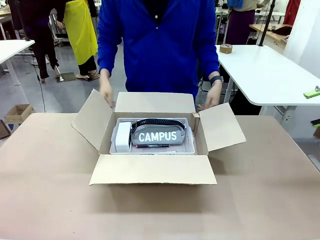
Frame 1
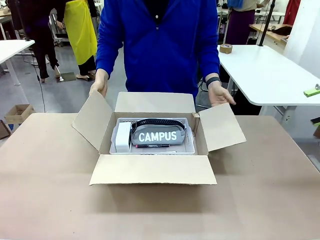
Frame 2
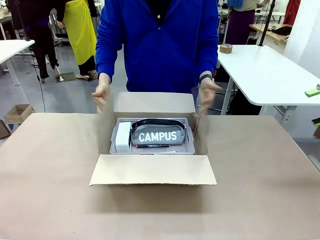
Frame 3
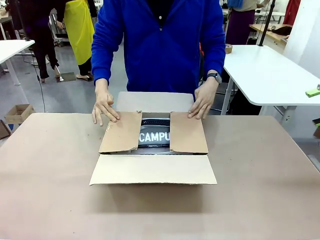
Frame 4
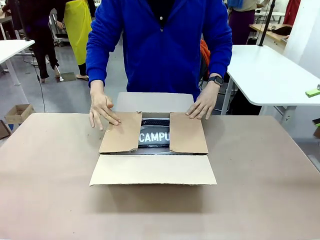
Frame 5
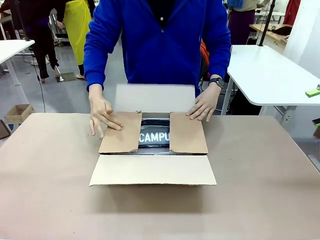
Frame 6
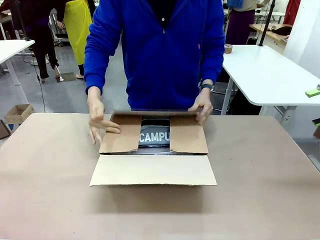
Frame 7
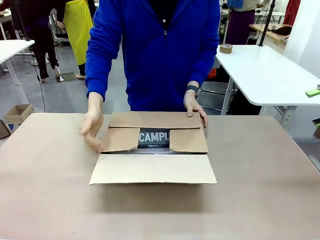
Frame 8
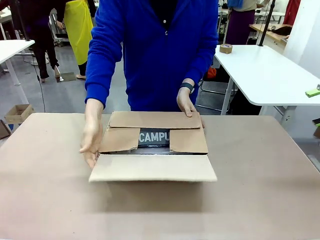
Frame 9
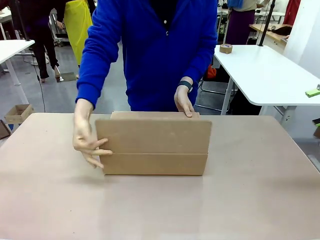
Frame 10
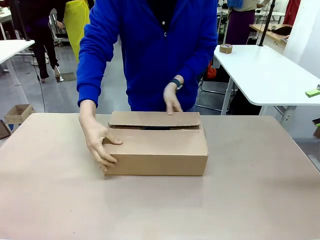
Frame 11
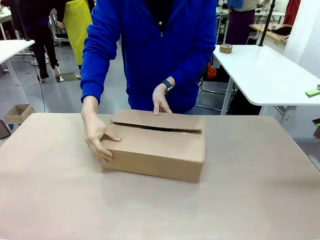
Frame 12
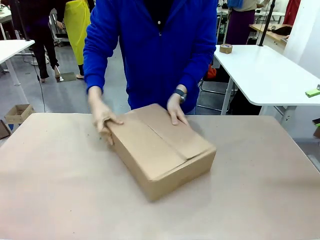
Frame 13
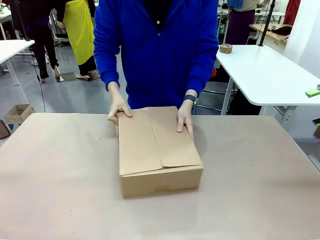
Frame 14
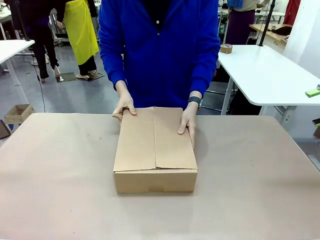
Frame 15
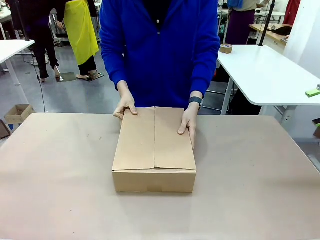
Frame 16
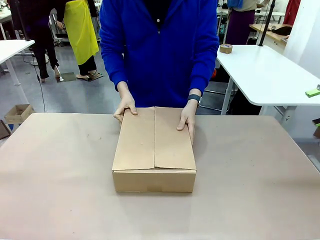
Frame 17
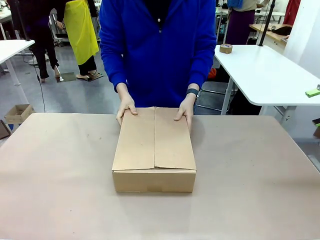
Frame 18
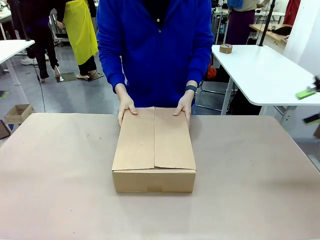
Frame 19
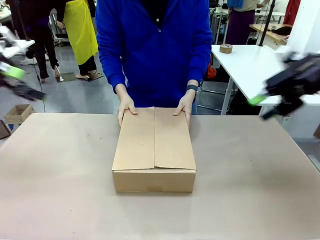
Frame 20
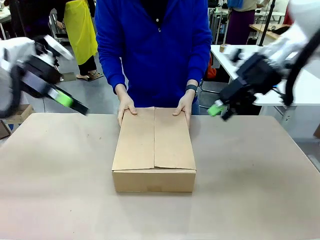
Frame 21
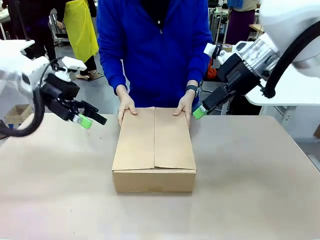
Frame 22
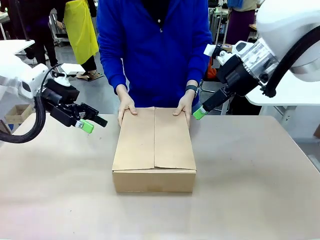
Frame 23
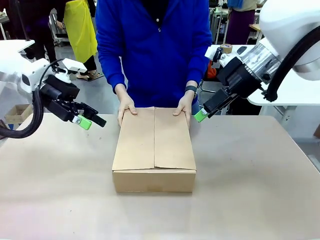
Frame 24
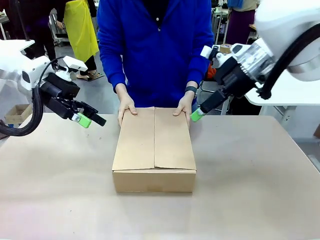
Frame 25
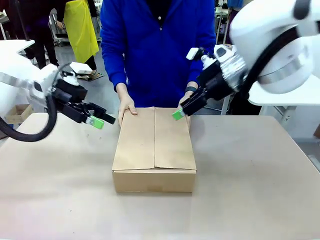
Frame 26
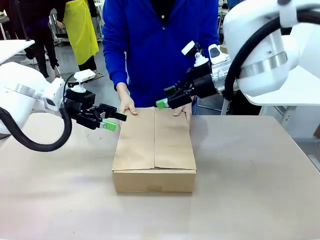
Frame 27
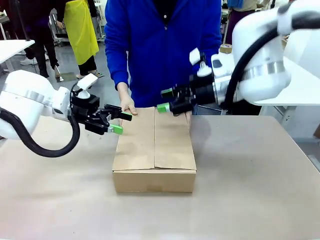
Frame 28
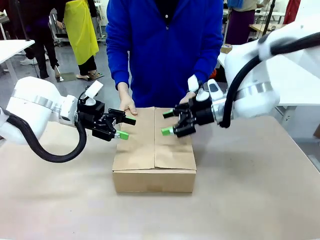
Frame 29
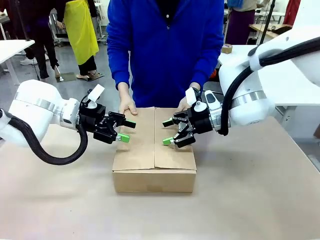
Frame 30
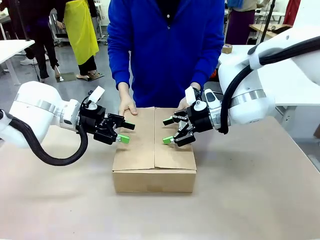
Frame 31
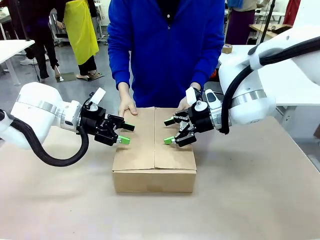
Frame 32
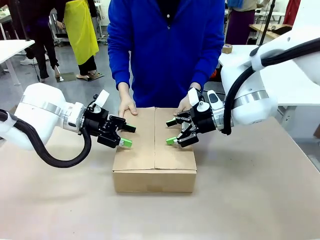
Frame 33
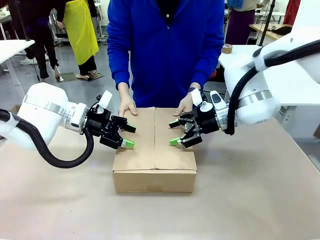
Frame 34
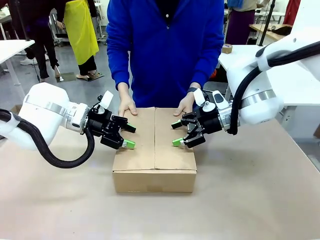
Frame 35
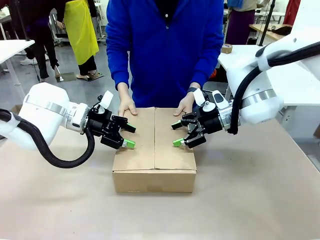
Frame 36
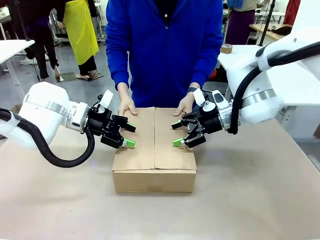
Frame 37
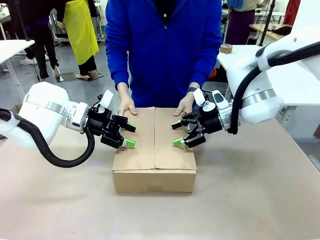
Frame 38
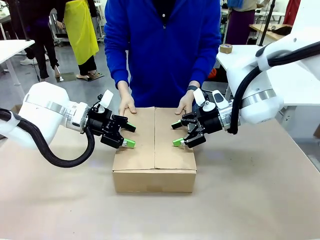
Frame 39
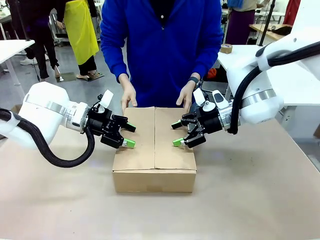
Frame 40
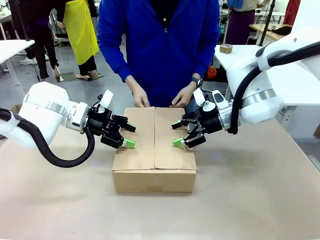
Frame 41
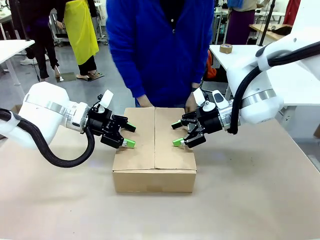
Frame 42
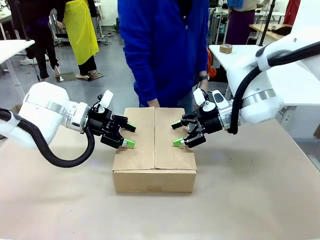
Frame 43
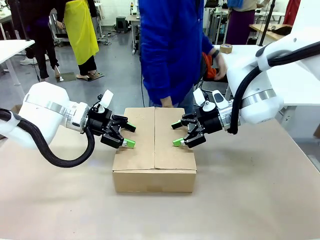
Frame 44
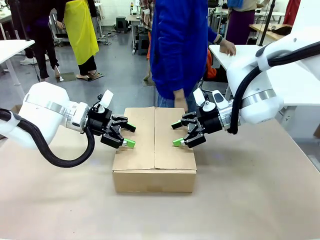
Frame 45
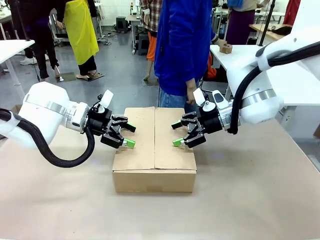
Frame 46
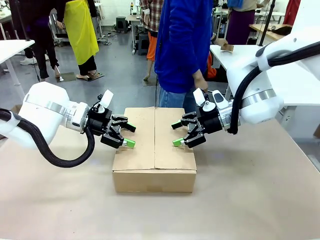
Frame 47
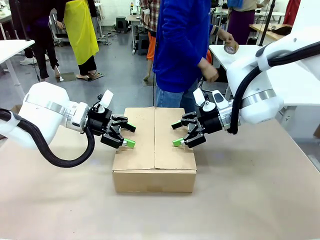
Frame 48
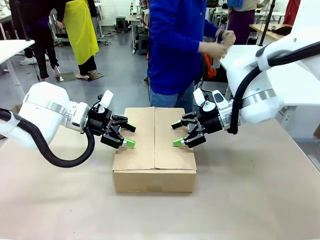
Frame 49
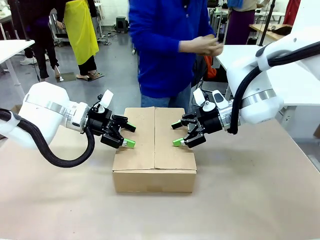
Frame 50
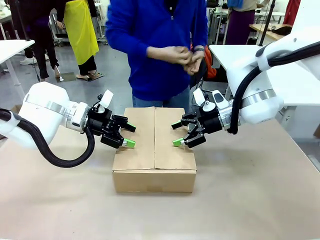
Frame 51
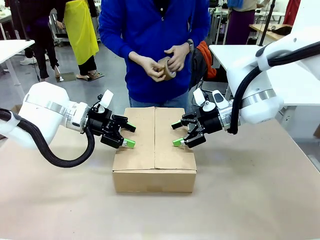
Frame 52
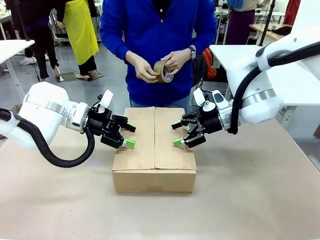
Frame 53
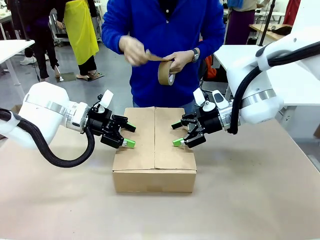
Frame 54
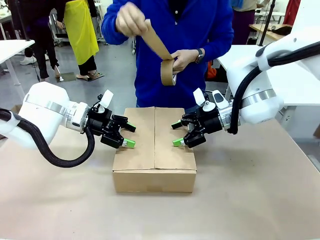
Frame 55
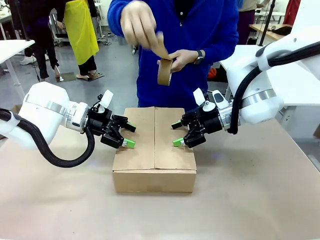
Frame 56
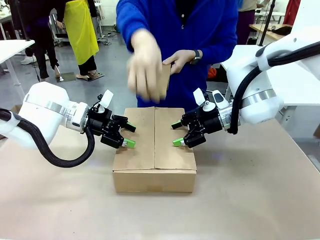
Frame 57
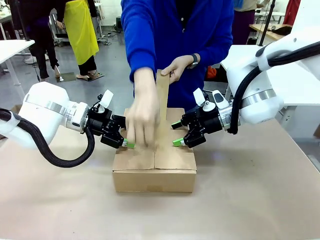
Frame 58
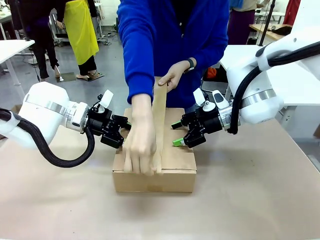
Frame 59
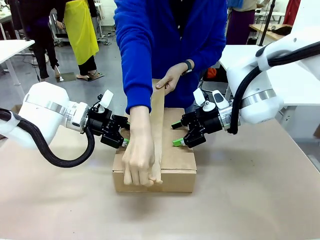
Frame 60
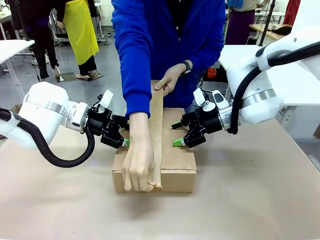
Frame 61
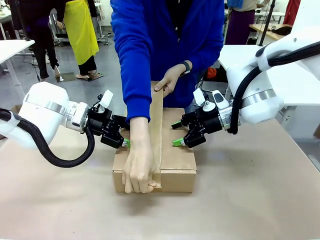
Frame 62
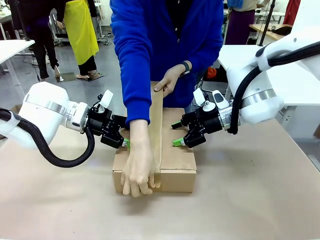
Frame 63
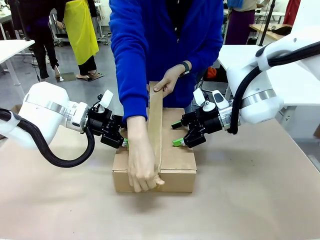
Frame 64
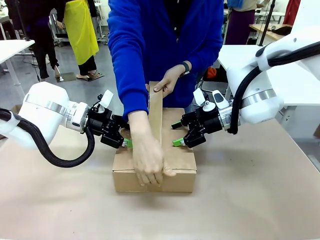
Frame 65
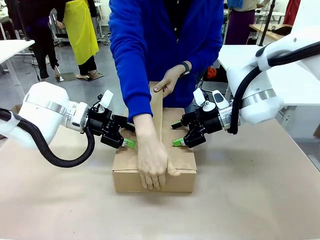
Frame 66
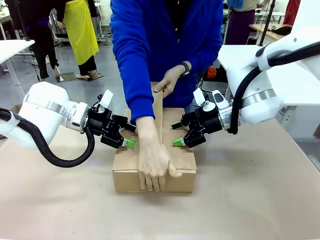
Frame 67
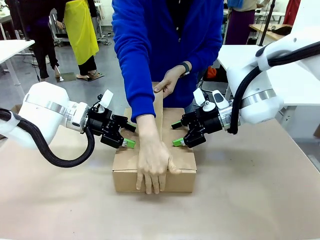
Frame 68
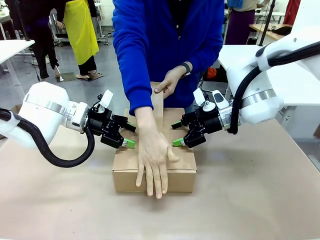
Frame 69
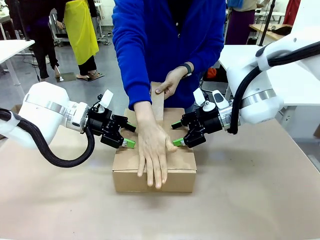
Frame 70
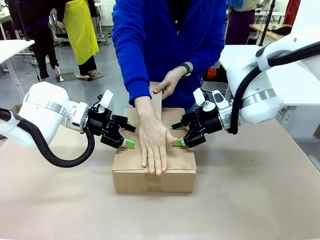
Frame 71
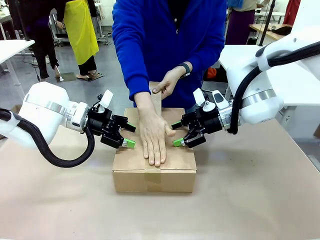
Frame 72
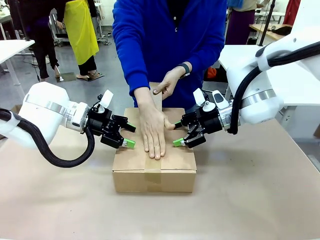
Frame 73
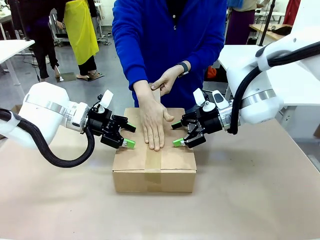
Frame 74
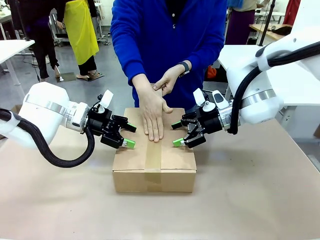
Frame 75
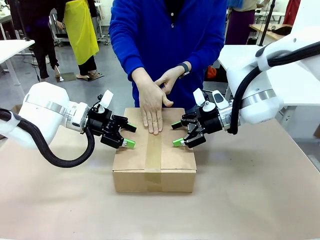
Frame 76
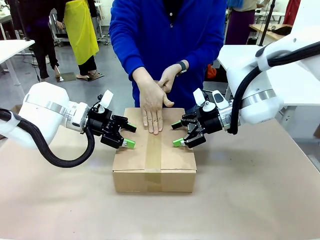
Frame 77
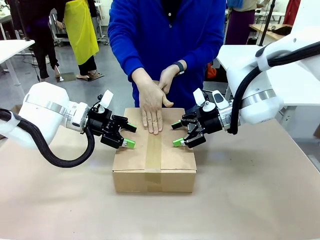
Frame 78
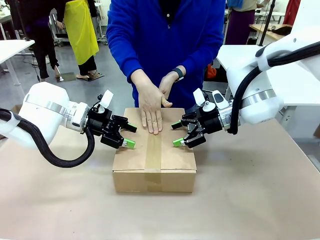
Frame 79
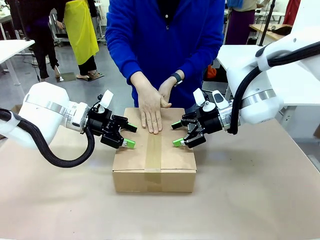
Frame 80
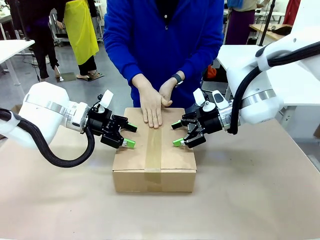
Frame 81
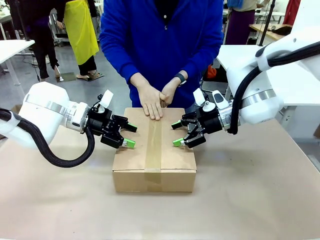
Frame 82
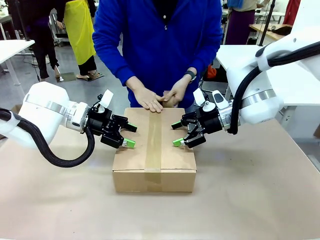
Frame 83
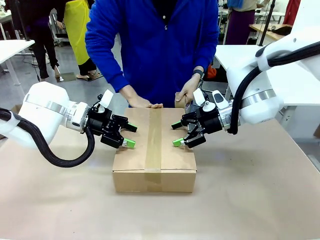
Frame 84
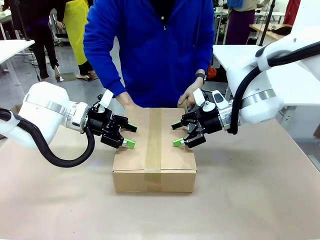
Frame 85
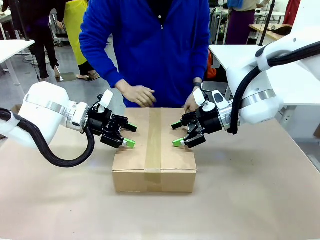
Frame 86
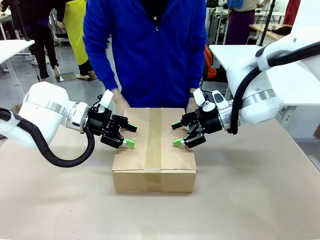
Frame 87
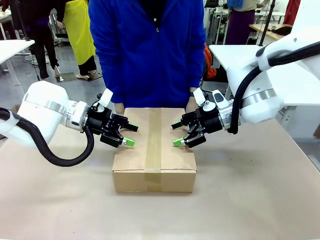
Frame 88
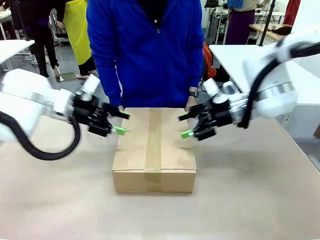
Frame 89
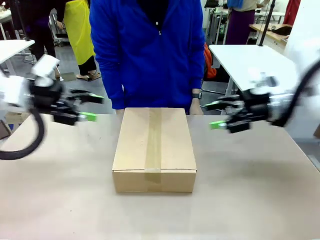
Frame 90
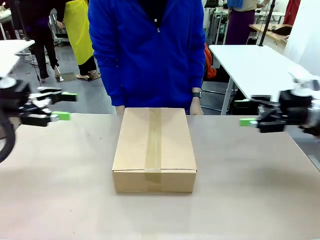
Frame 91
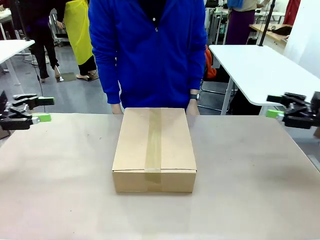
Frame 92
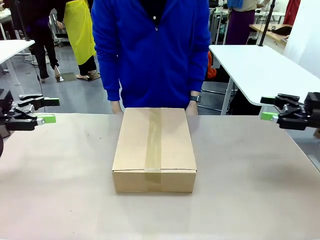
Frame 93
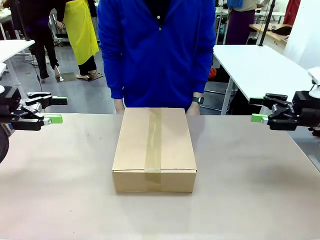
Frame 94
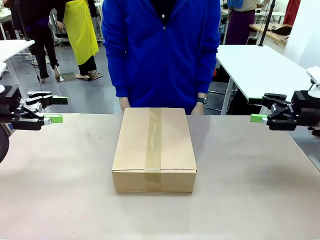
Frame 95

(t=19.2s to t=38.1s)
Task: Pack the gift set into the box.
Robot: Press and hold the closed box until the human finishes sealing it.
Person: The human closes the box and rotates the box by 90 degrees. The human picks up the paper tape from the human table and packs the box.
